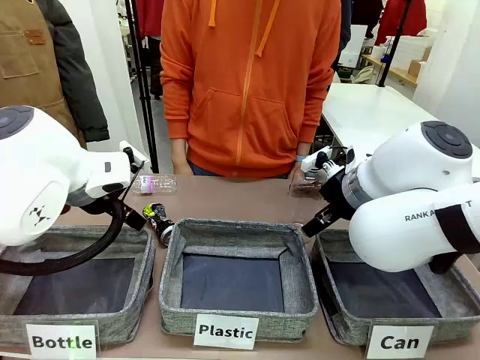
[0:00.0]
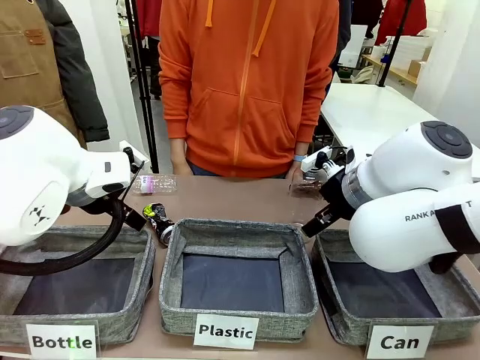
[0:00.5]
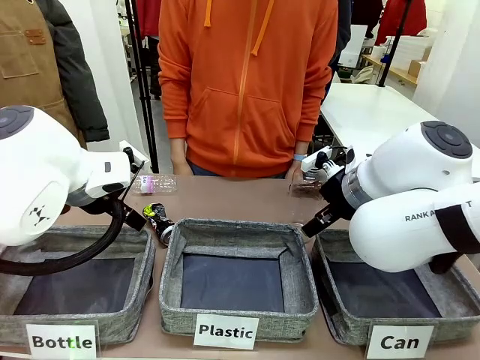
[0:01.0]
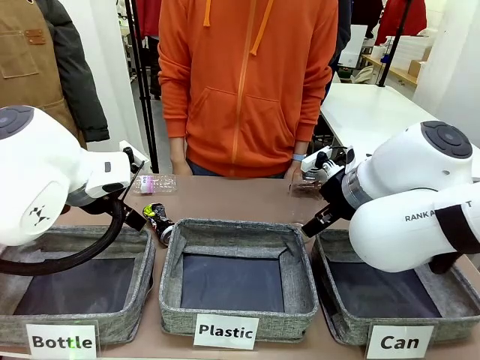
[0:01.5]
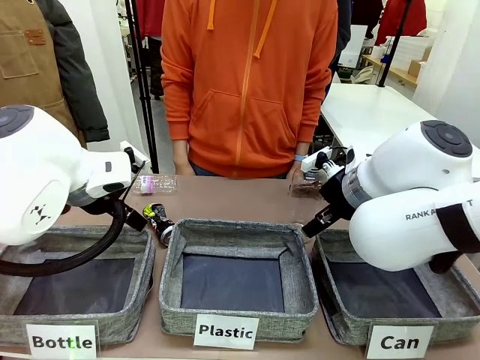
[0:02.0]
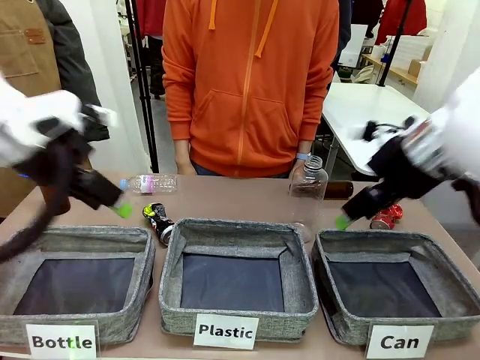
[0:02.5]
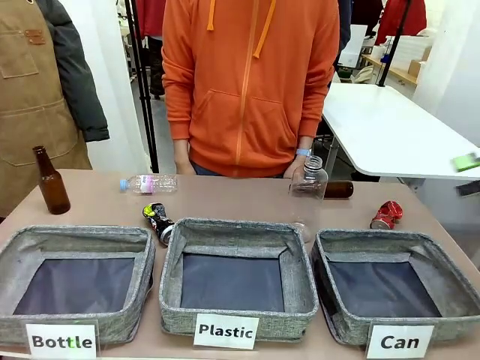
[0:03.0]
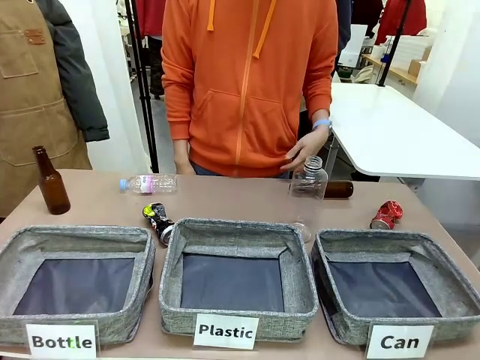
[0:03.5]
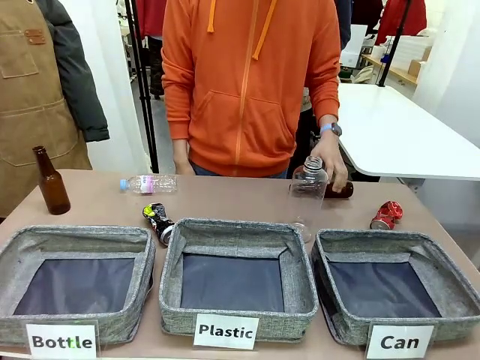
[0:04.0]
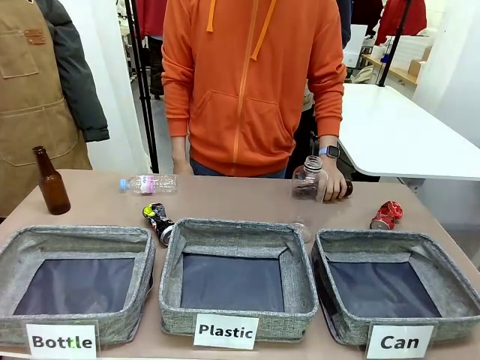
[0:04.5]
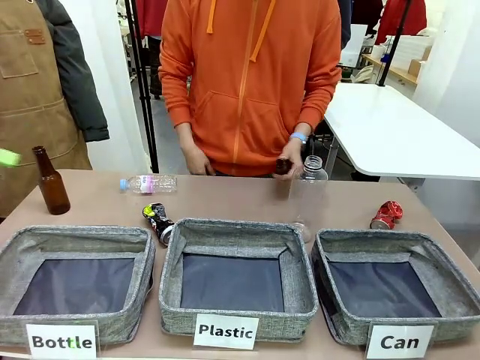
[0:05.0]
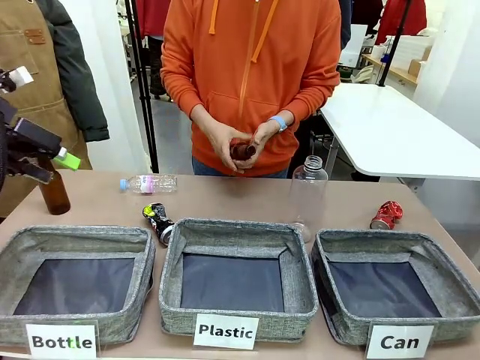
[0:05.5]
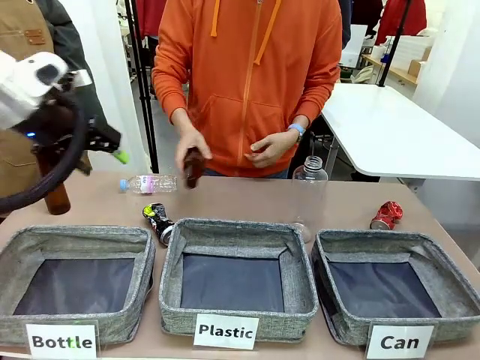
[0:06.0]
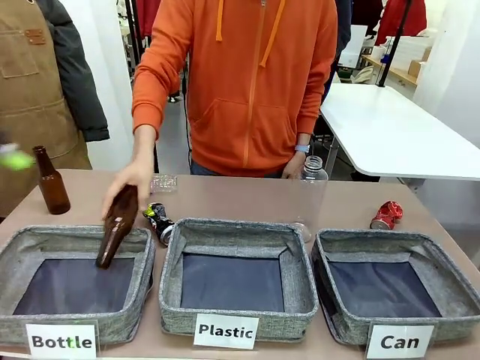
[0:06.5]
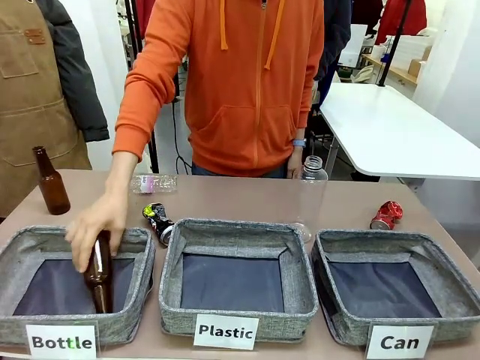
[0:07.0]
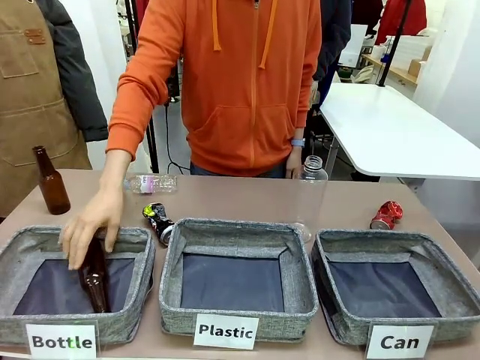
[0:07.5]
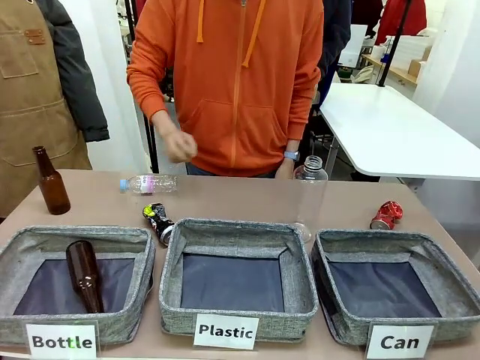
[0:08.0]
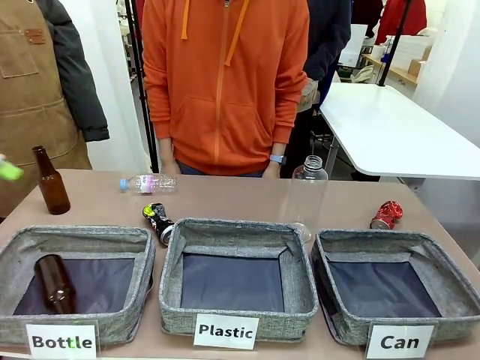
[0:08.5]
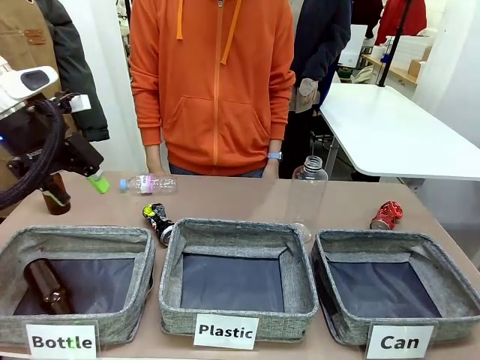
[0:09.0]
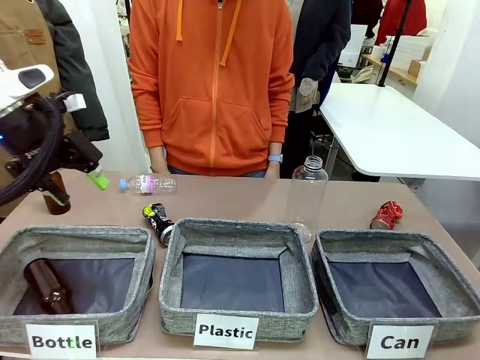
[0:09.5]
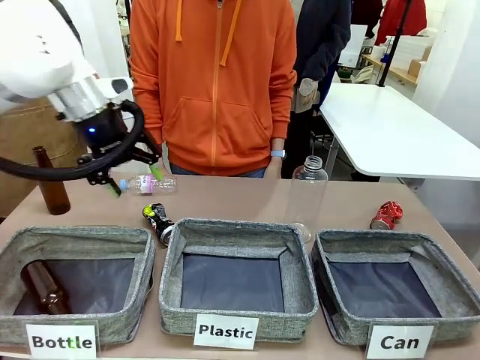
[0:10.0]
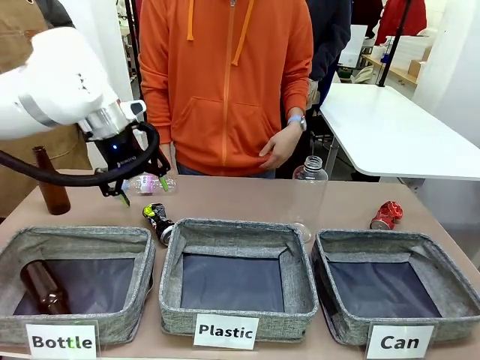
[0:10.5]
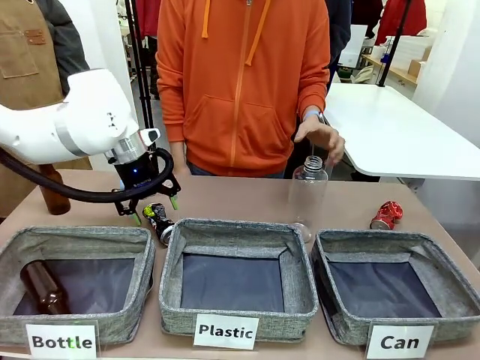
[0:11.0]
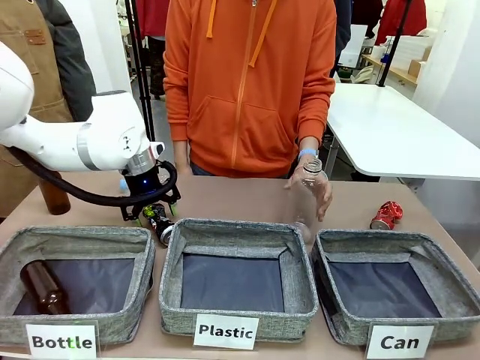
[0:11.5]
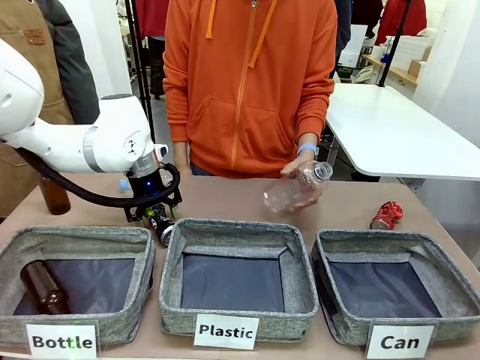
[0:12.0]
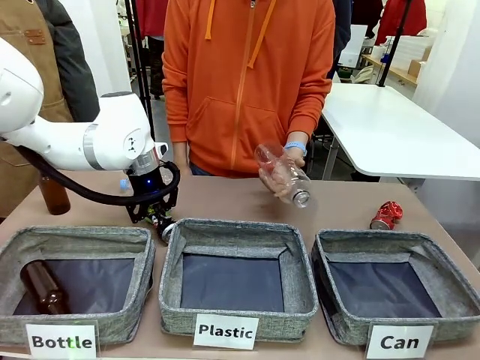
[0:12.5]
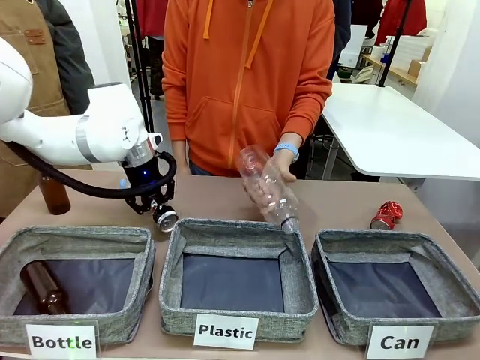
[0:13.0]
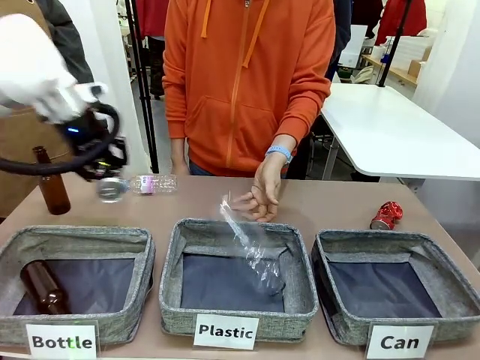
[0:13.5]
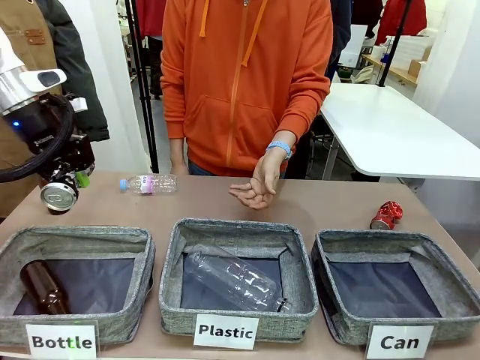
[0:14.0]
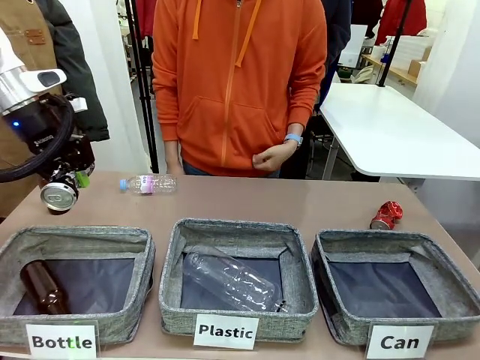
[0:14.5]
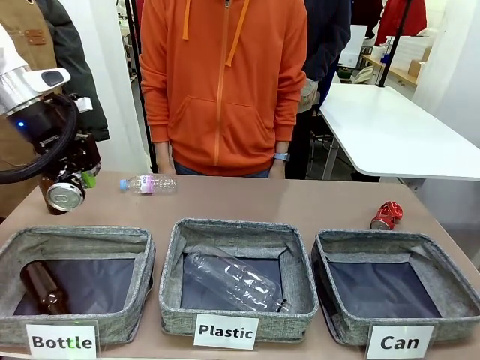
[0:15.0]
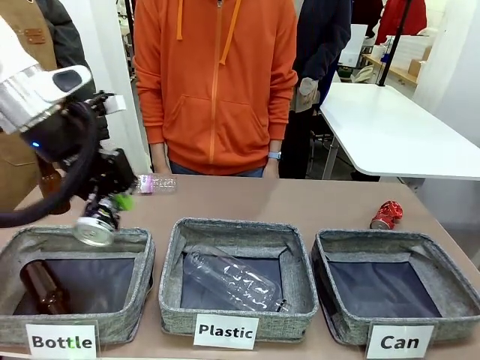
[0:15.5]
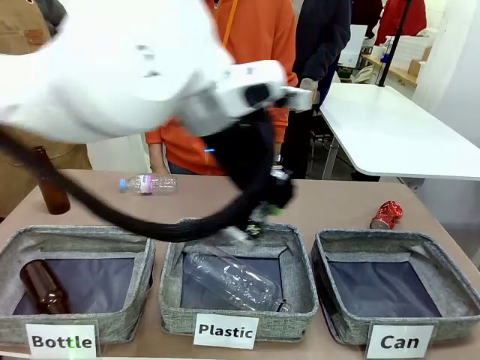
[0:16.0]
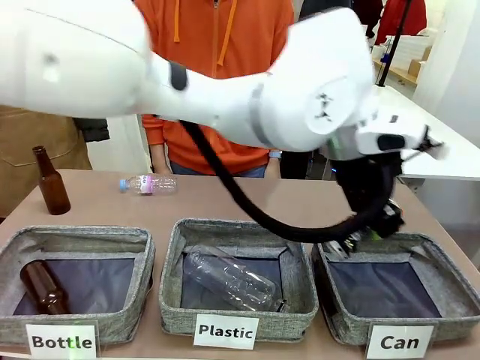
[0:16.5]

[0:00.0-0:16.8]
Task: Sort the can waste into the basket.
Robot: Pick up the can waste from the table and place it in the right Fabric basket.

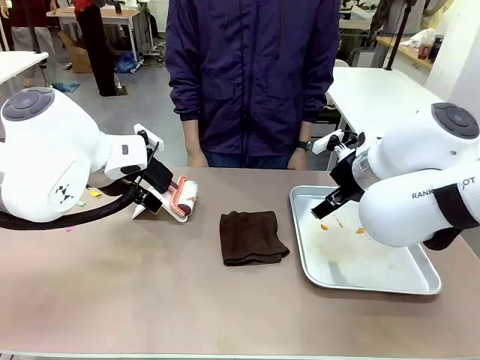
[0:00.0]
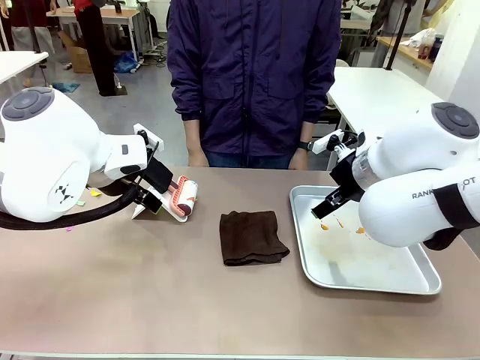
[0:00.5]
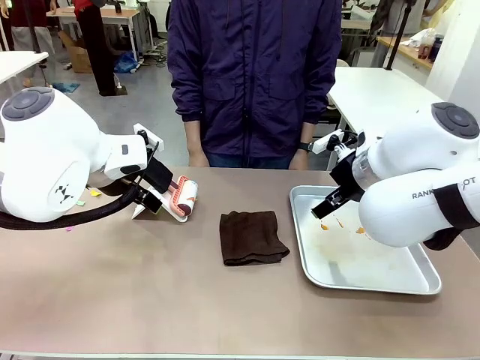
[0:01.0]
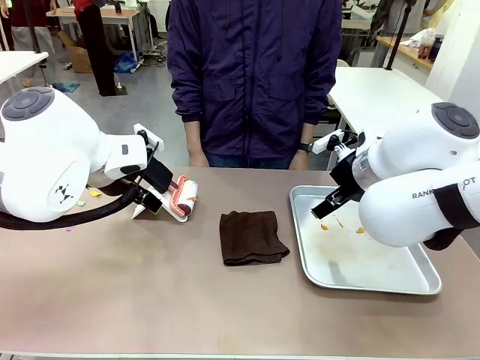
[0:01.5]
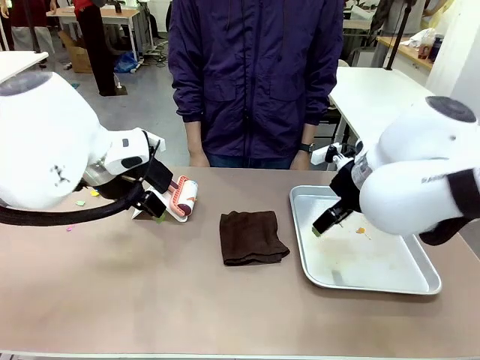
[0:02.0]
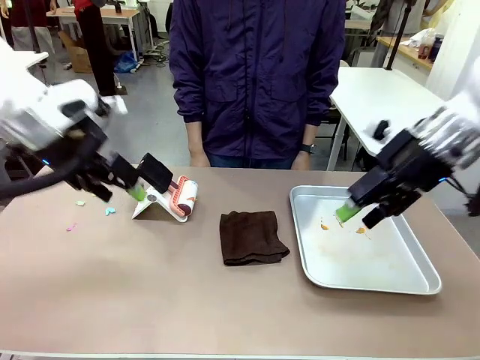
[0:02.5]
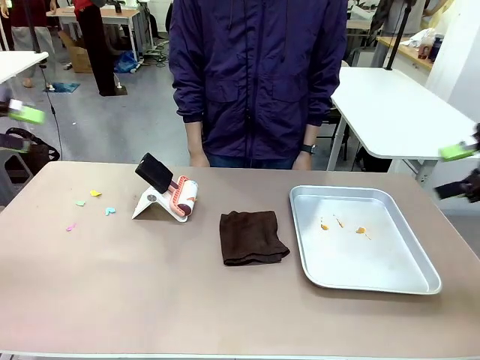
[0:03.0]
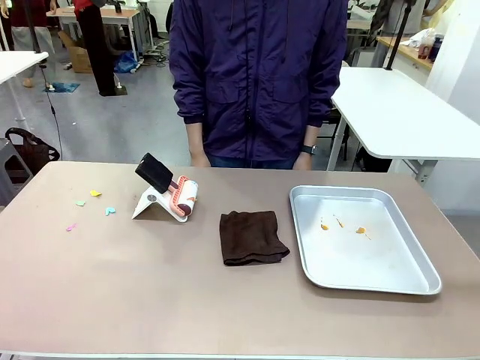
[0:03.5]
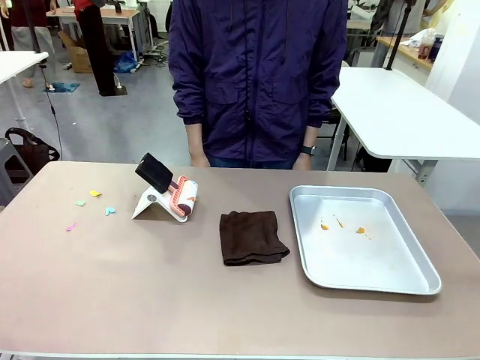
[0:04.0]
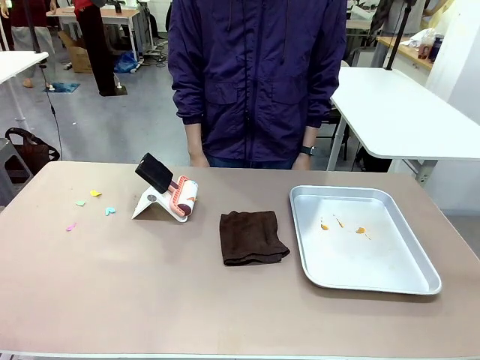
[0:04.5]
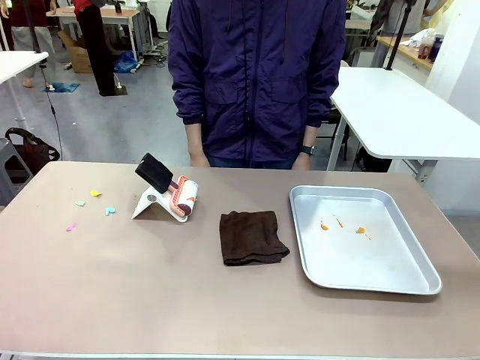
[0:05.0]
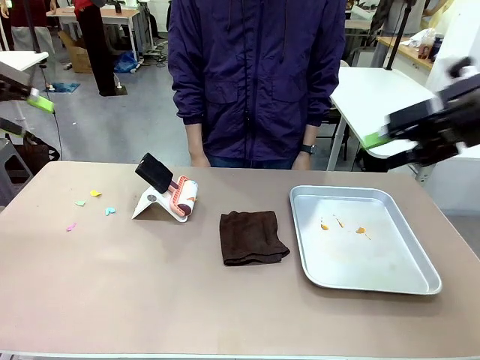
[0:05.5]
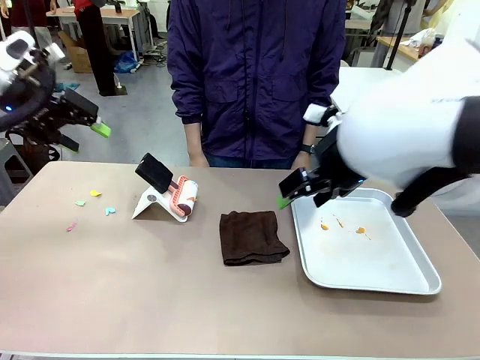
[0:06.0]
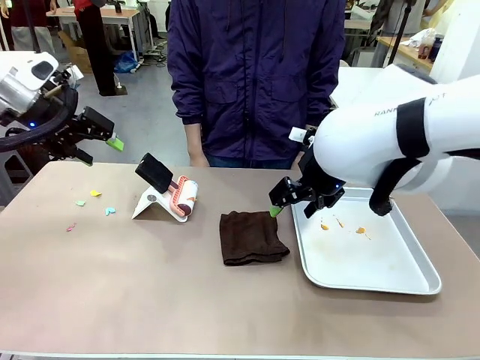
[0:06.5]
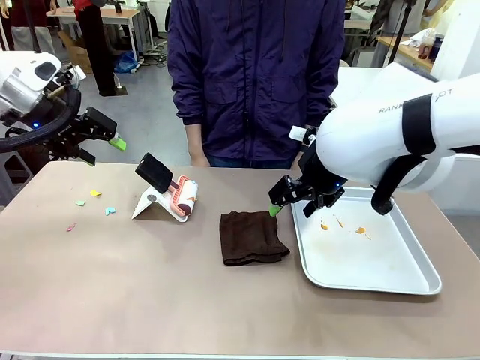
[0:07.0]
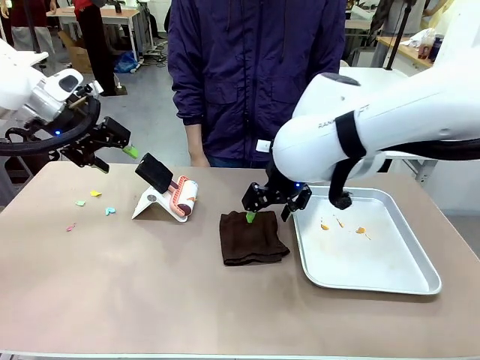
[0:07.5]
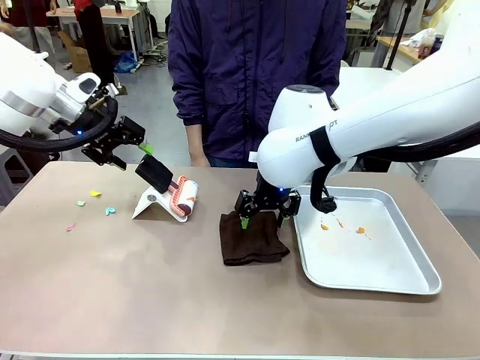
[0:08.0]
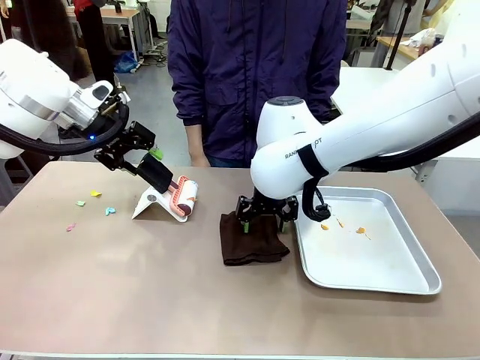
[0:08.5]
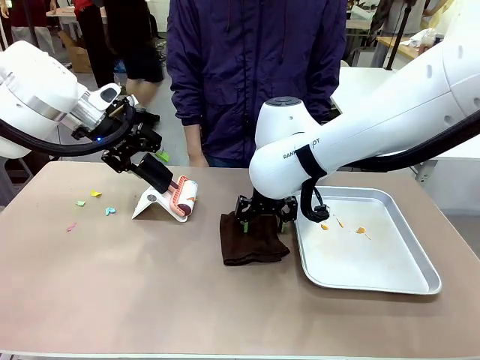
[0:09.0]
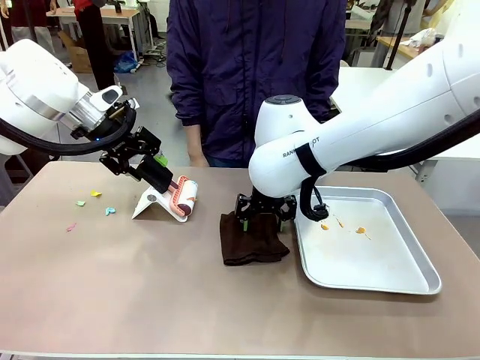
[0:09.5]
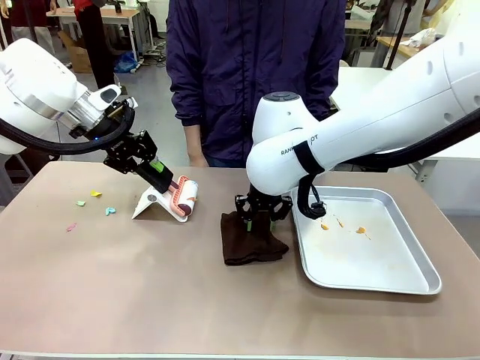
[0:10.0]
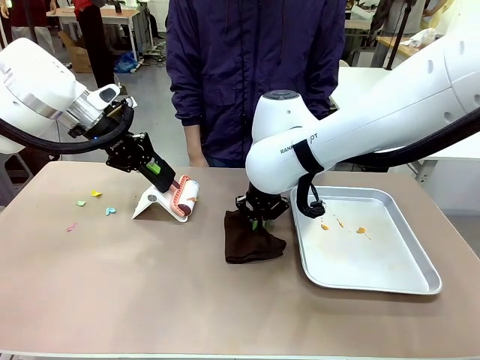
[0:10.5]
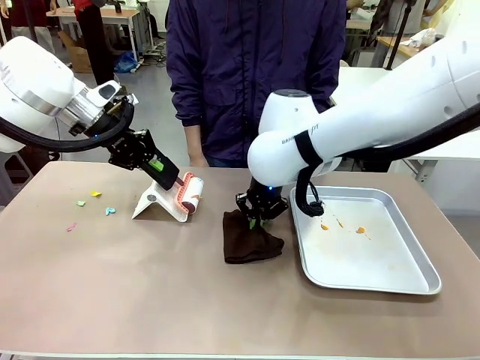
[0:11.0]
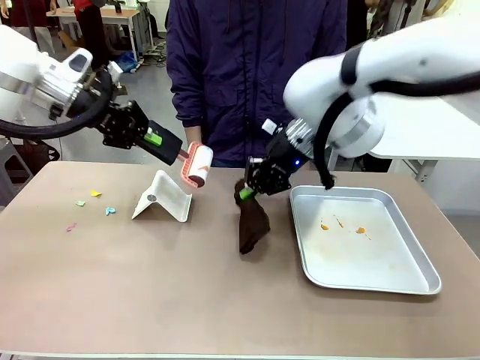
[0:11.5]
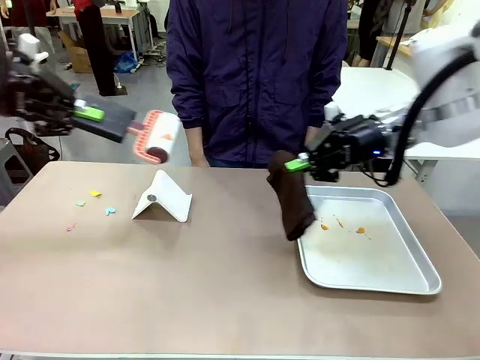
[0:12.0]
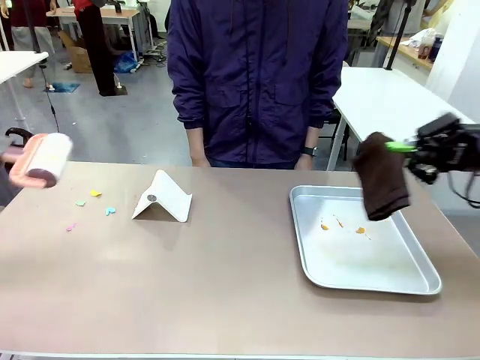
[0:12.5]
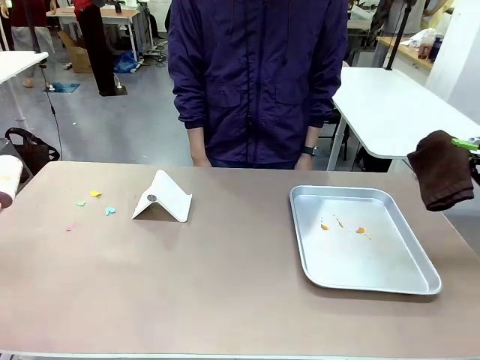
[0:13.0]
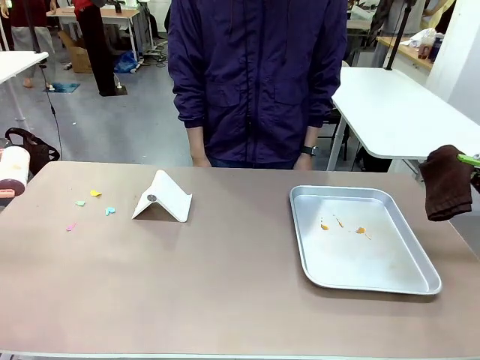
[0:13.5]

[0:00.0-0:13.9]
Task: Clean the surface of the table.
Robot: Hold the Lint Roller with your left hand and the towel with your right hand.
